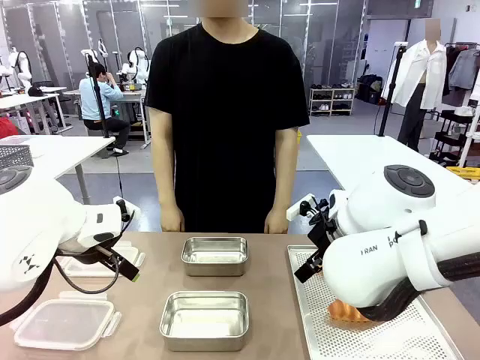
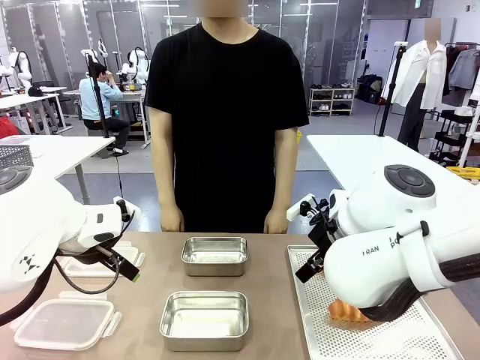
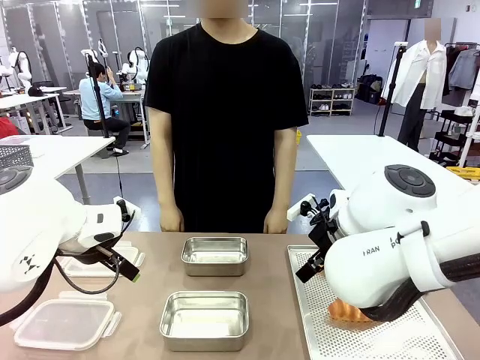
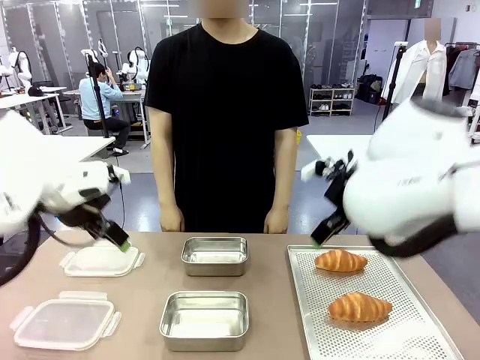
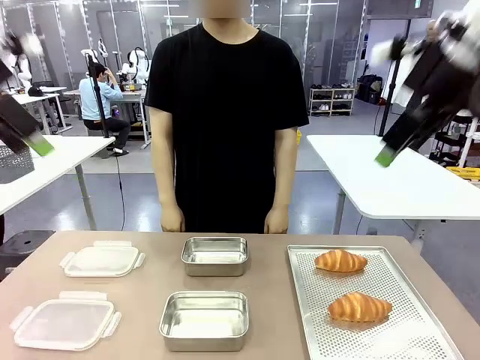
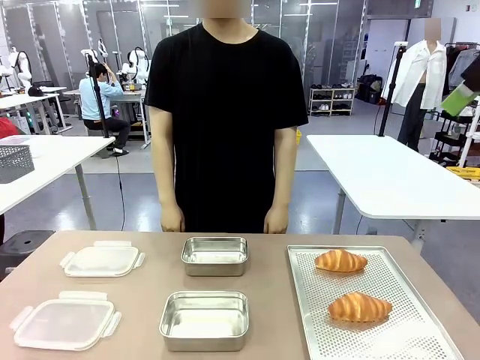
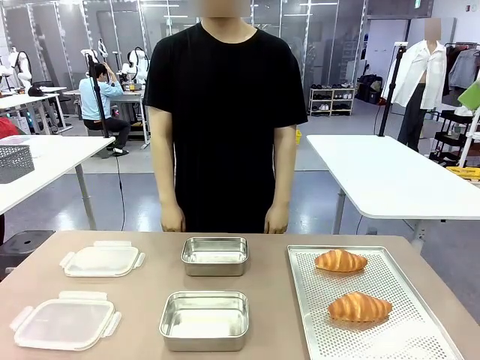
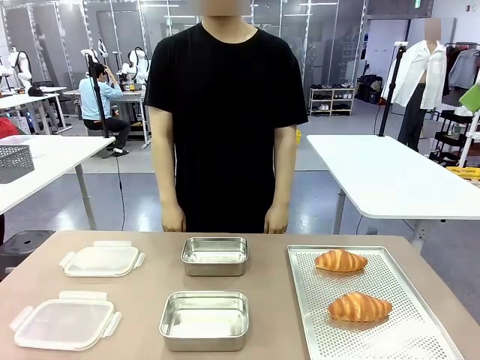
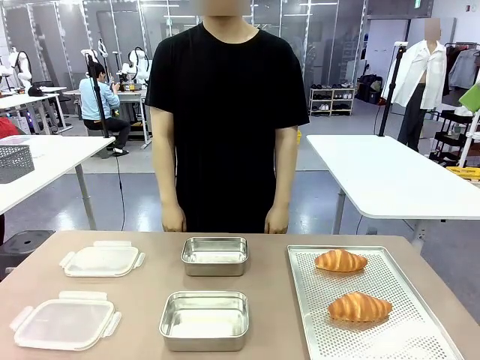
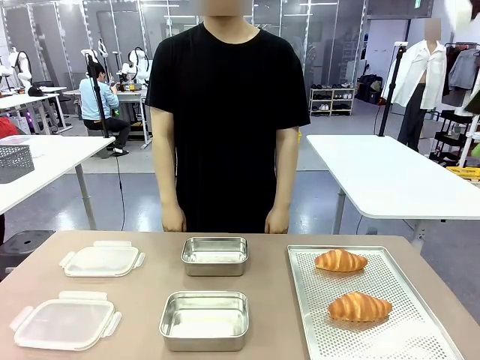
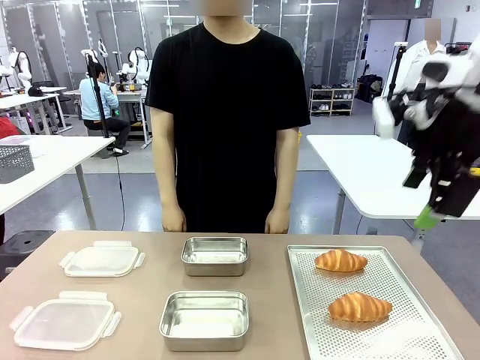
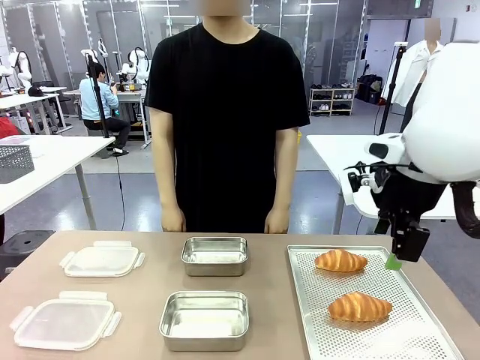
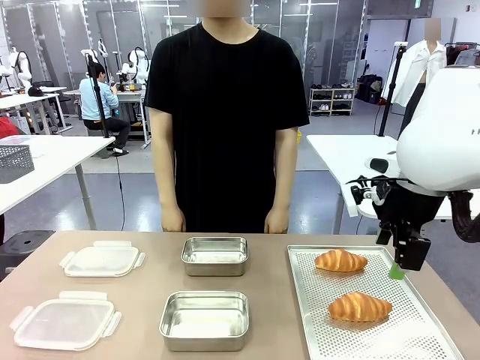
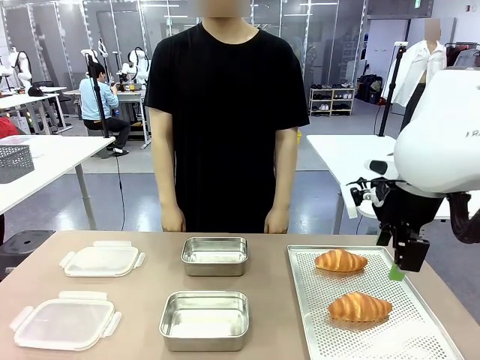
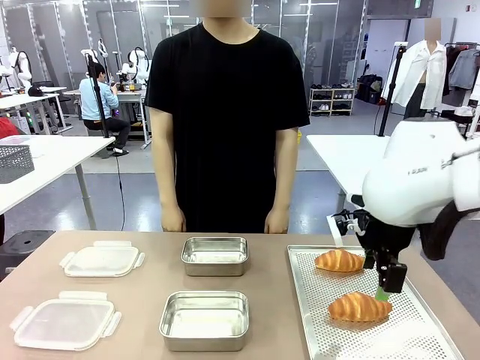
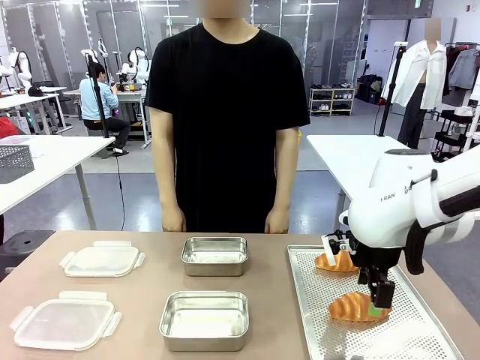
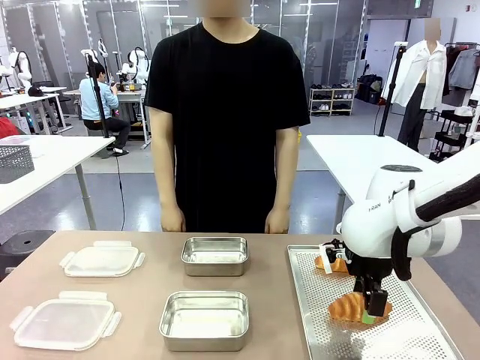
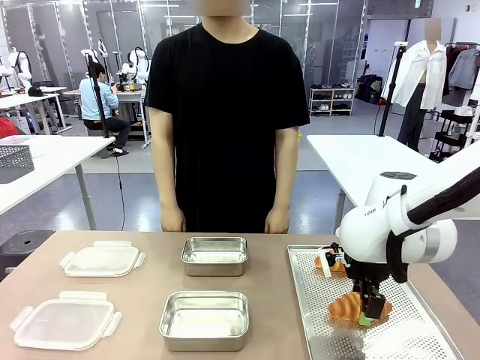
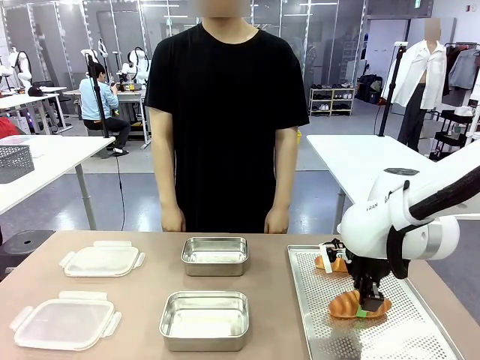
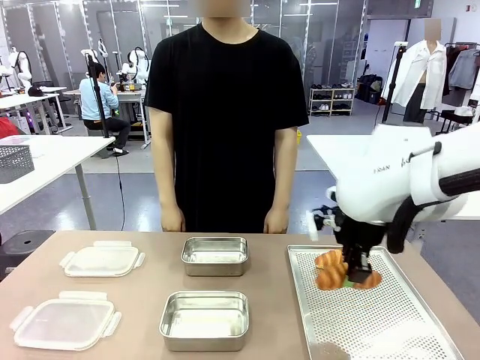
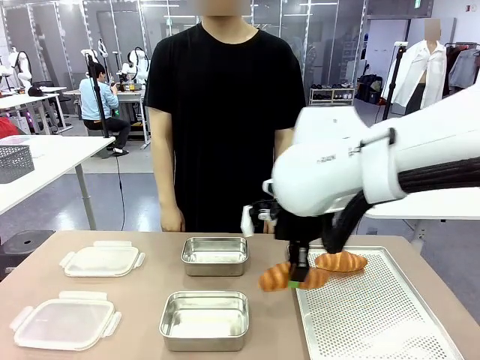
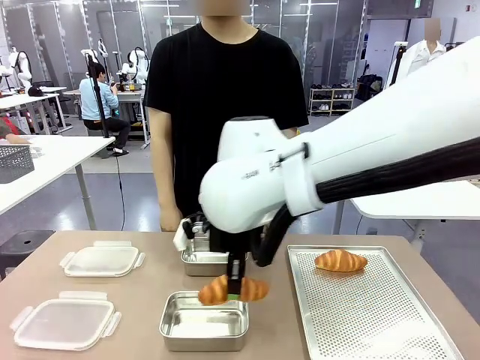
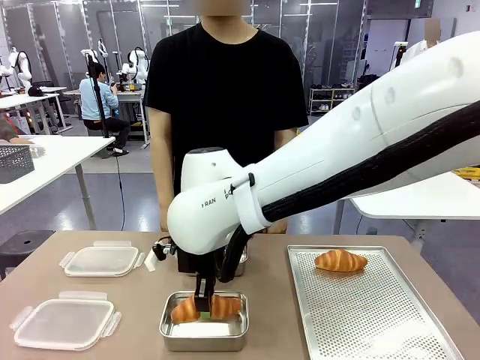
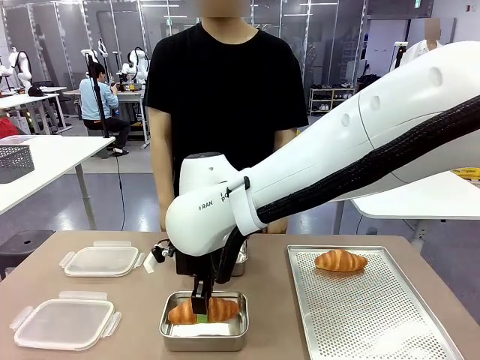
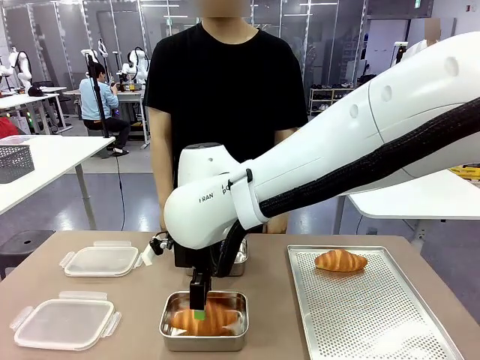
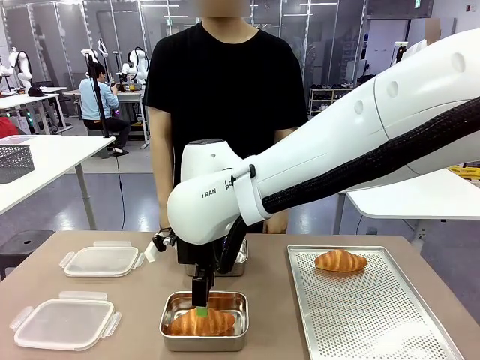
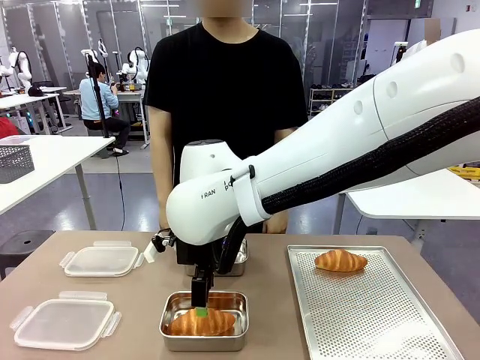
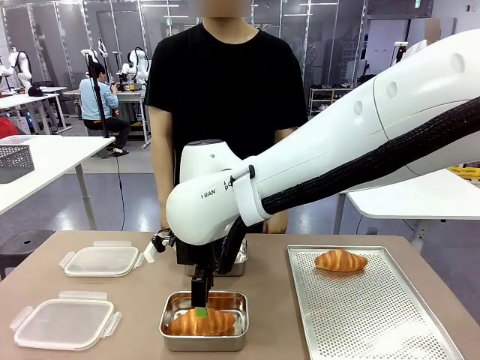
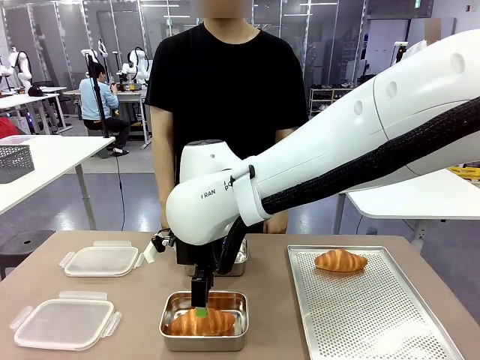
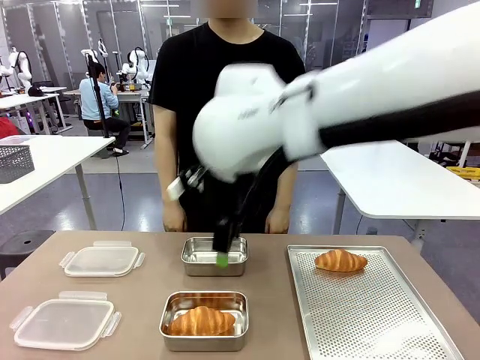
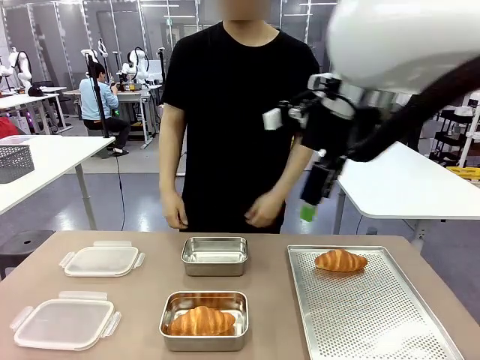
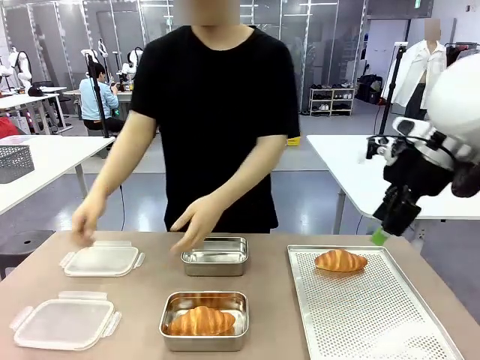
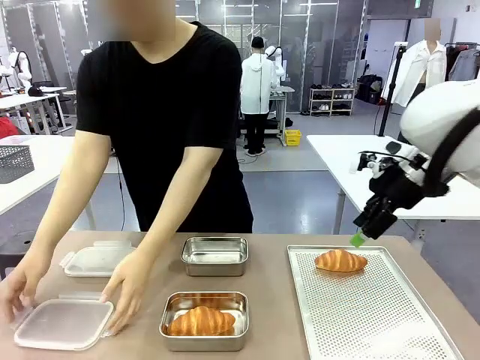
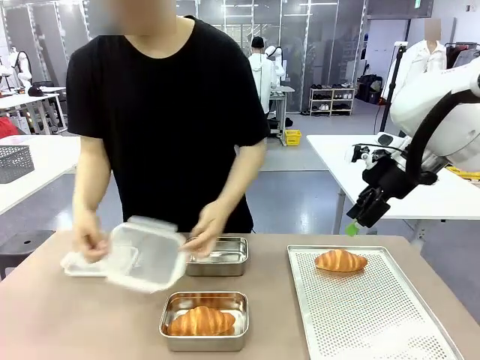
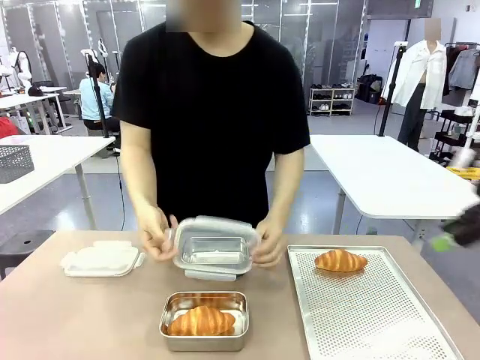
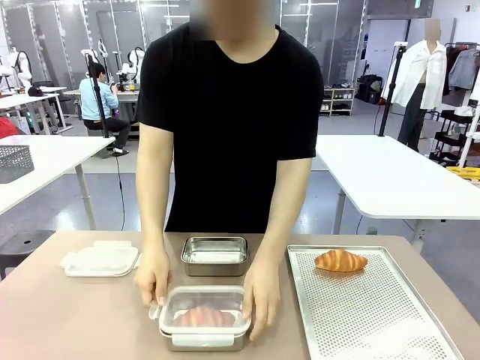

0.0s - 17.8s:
Task: Place the bread into the airtight container.
Robot: Pick up a Butter Roll and place it into an empty Airtight Container.
